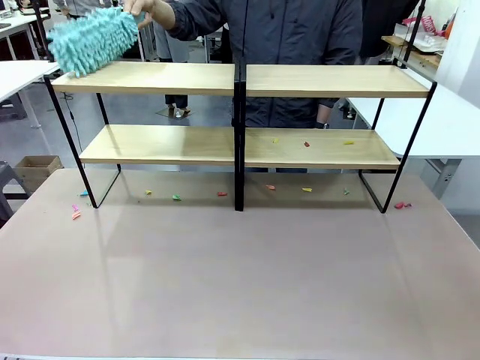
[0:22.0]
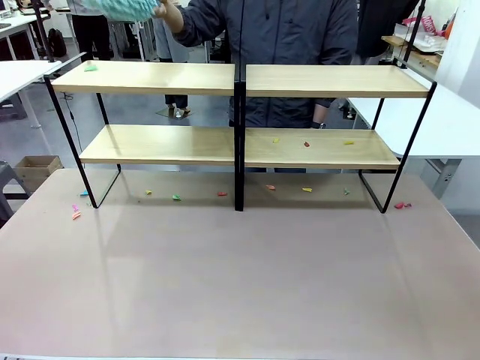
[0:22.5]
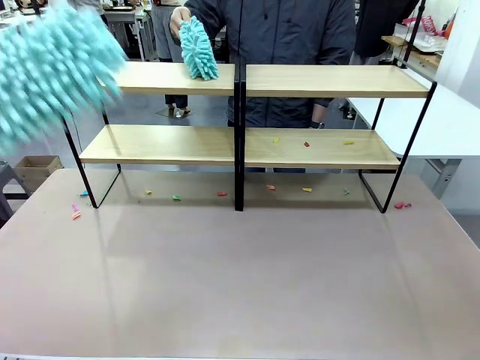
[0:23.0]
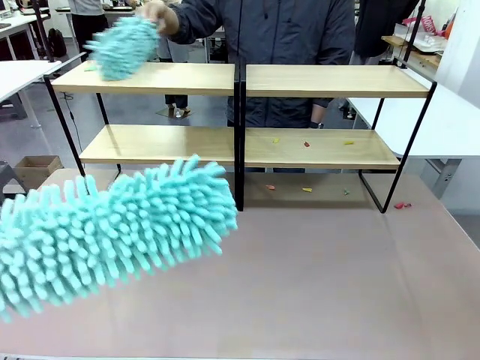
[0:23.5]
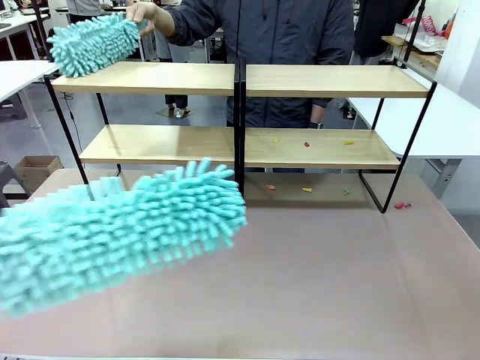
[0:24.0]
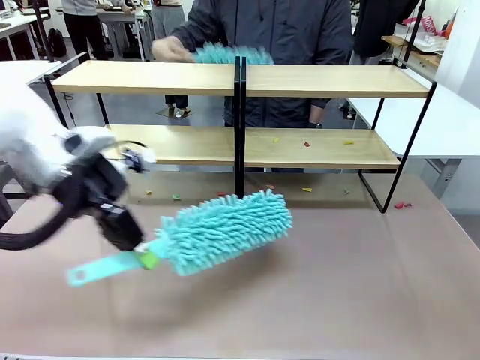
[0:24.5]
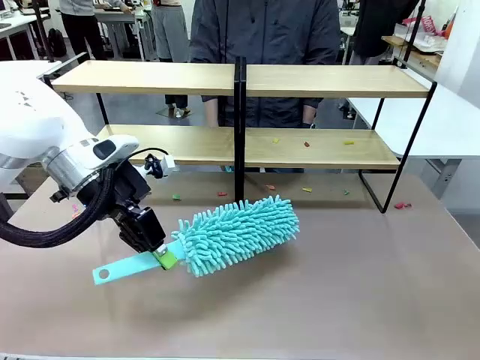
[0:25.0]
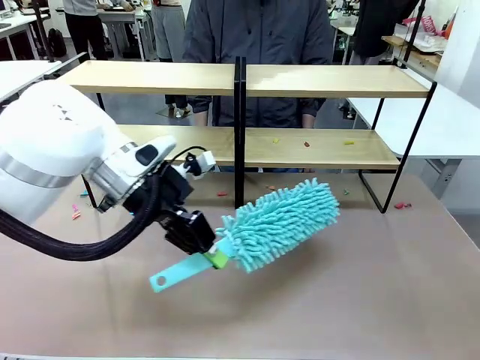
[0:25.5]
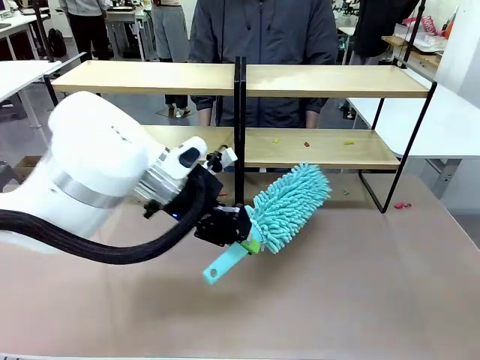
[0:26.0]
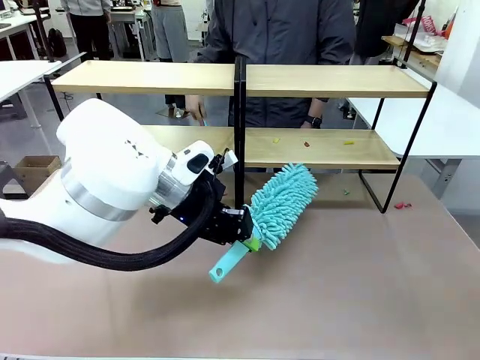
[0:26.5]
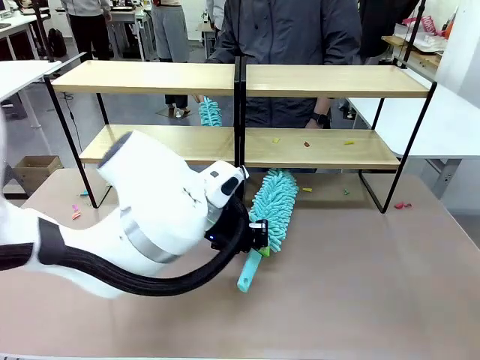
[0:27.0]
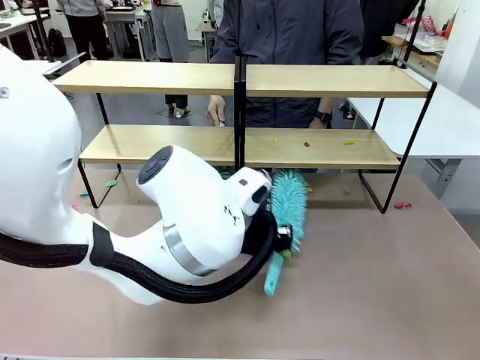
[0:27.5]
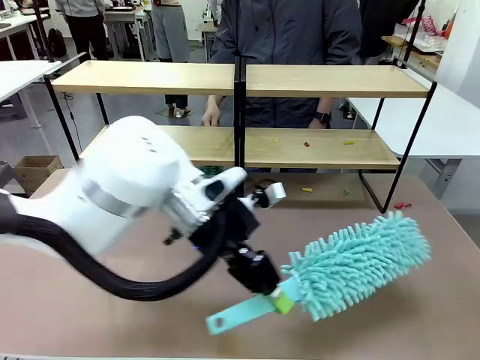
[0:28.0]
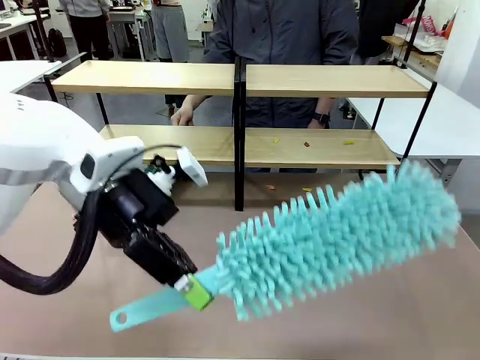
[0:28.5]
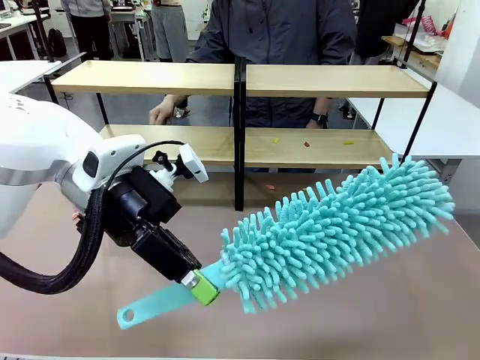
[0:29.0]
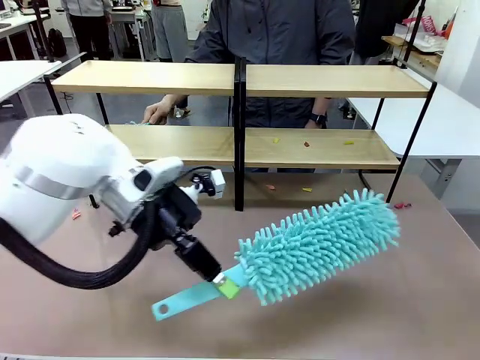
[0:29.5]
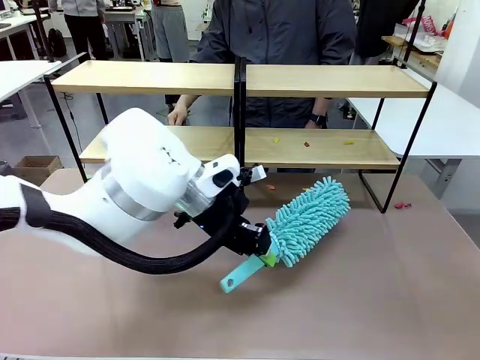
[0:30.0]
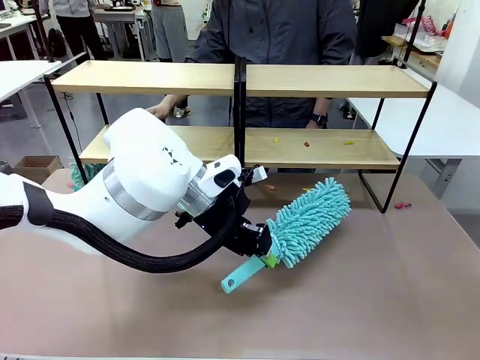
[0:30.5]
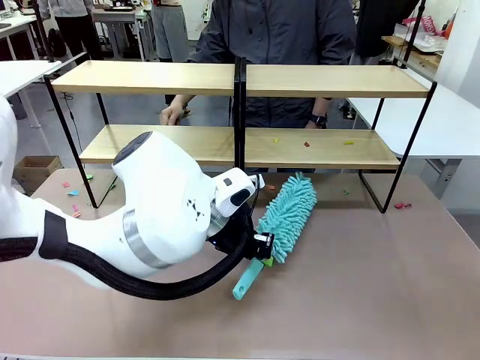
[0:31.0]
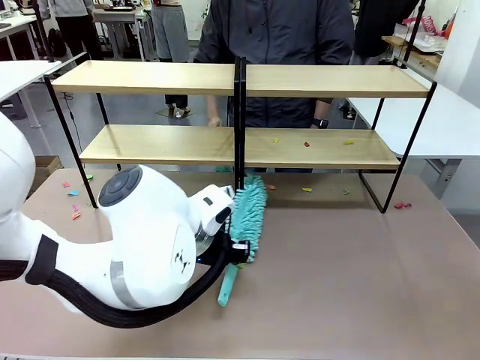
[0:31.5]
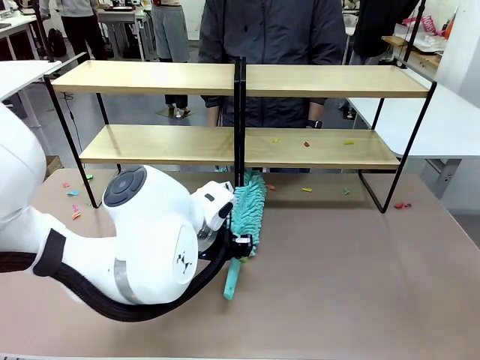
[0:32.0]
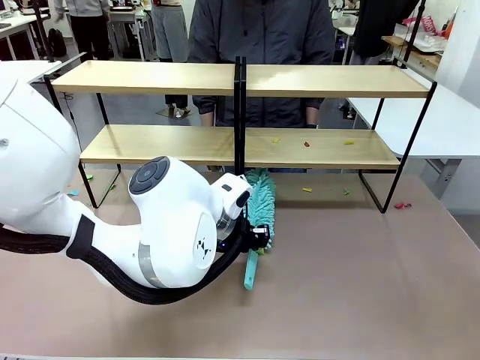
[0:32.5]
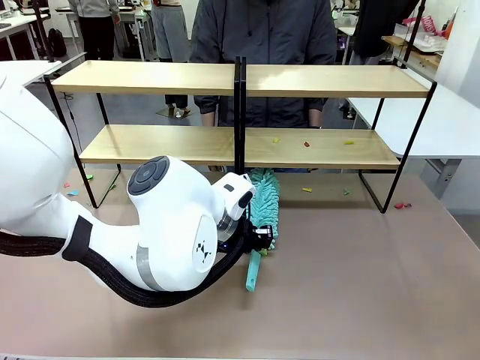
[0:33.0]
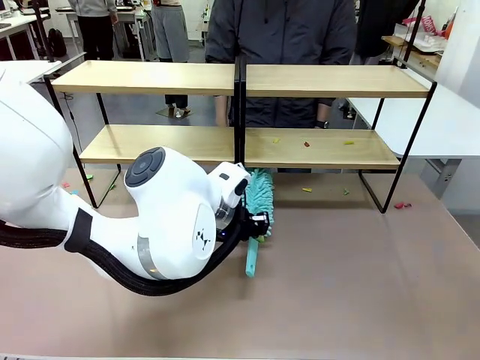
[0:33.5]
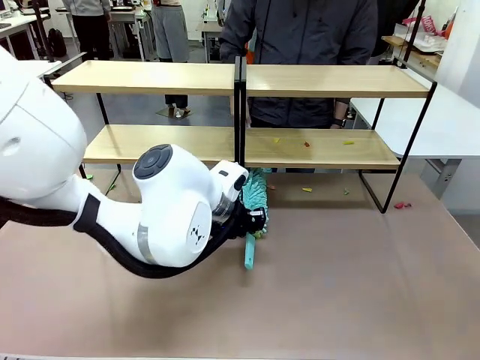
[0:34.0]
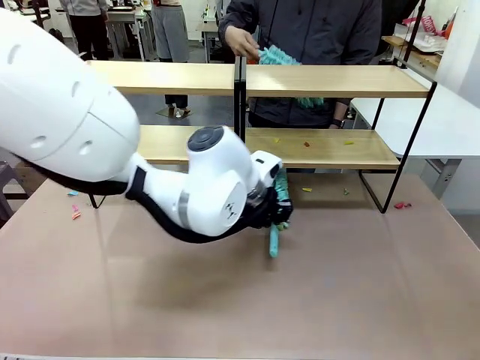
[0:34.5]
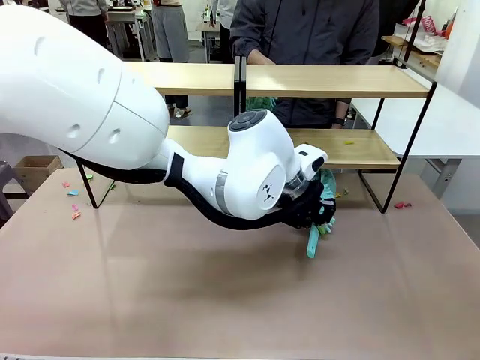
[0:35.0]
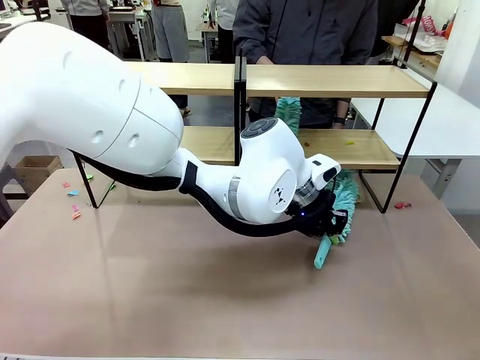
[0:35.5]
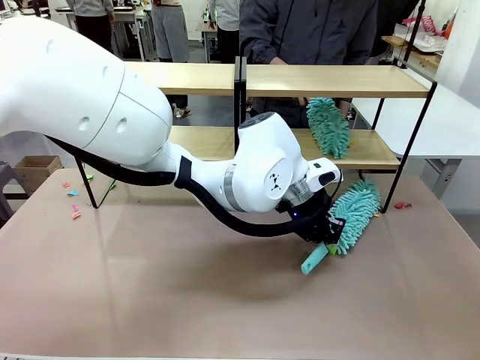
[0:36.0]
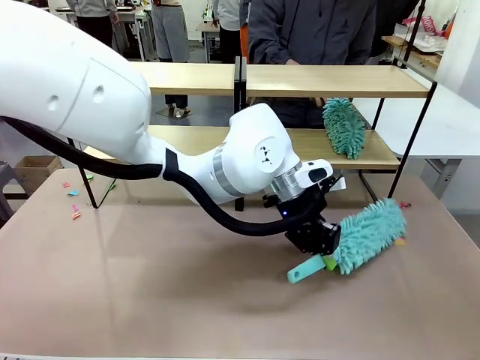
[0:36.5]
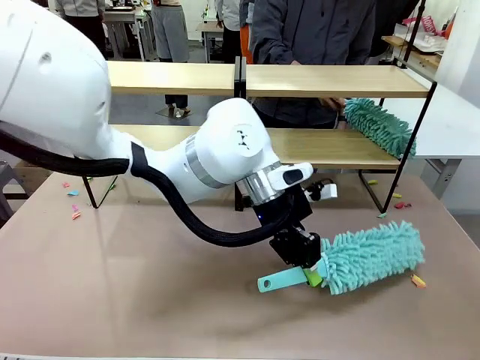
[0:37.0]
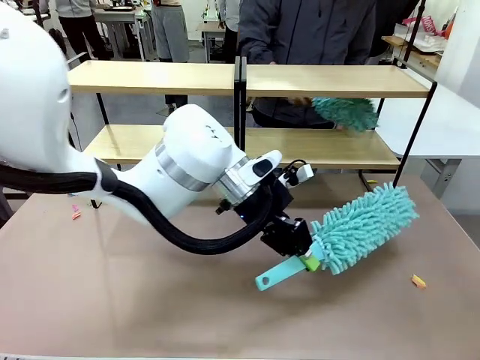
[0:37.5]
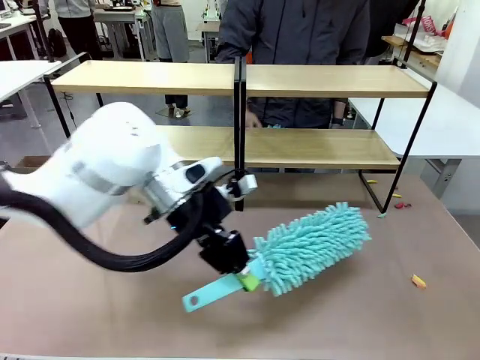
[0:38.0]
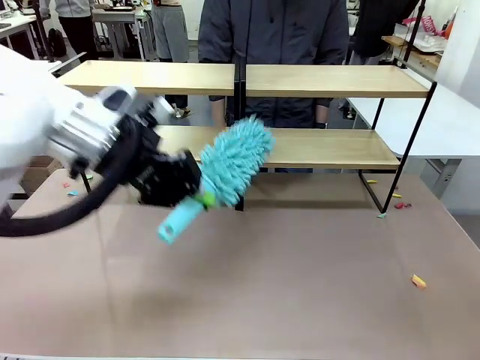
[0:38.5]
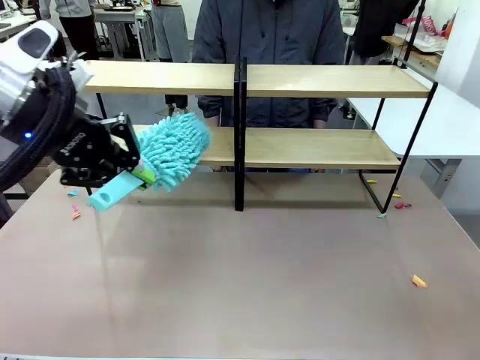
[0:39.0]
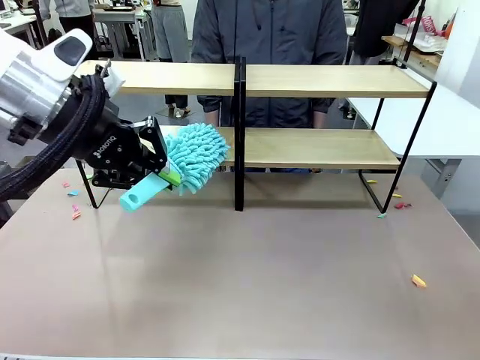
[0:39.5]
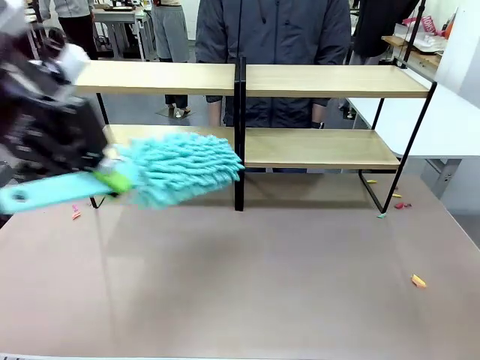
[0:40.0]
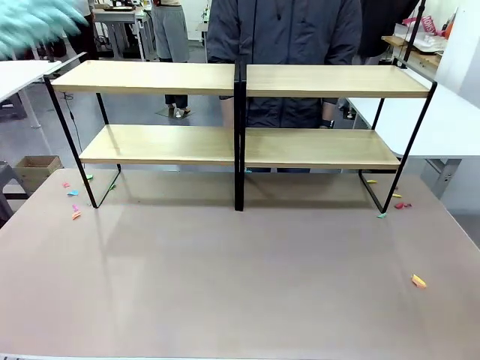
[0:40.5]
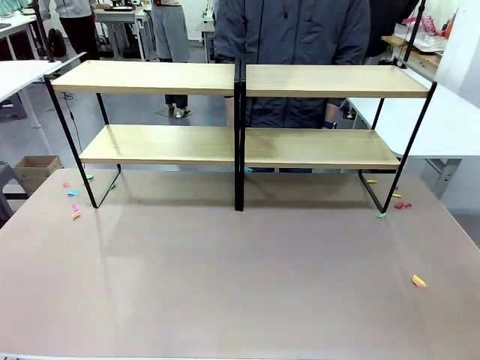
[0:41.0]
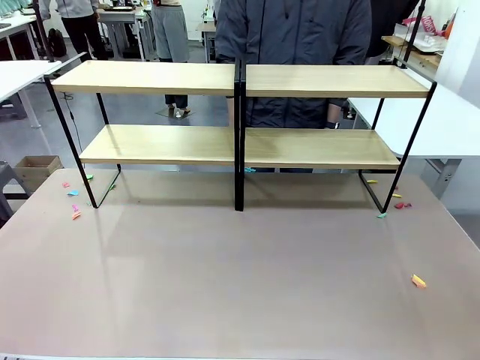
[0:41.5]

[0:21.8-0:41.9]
Task: Clean the shelves.
Robot: Clean another randomly selected level of the Shelf with the Duster.
Person: Clean a randomly selected level of the Shelf with the Duster.

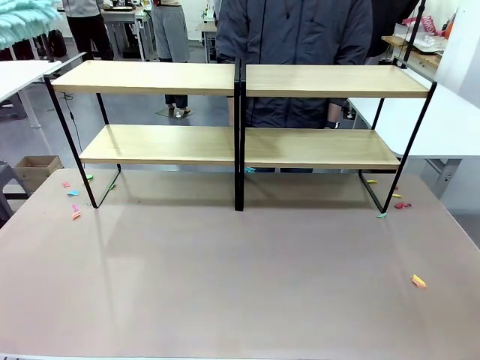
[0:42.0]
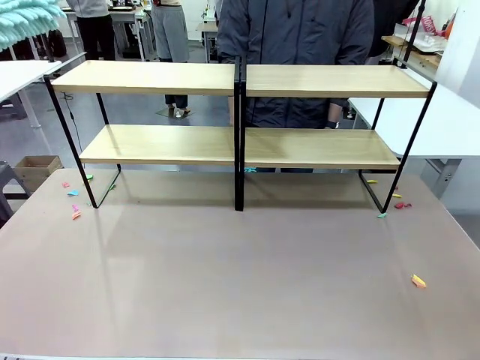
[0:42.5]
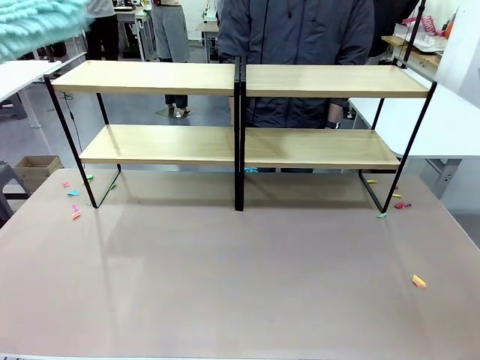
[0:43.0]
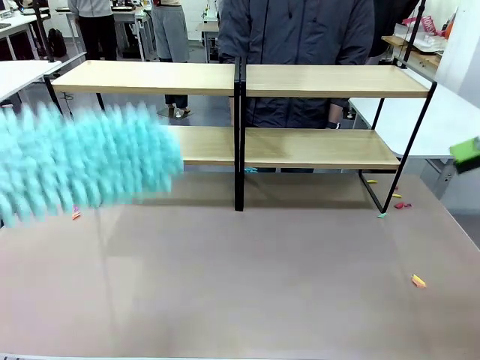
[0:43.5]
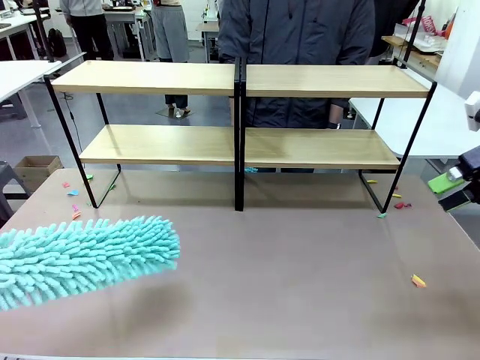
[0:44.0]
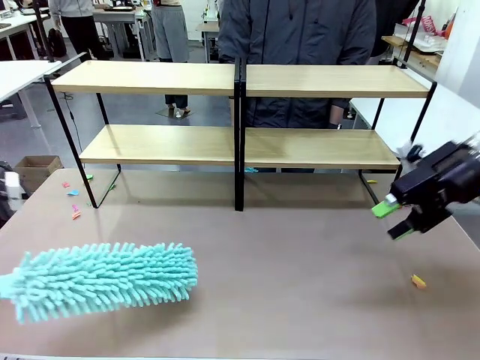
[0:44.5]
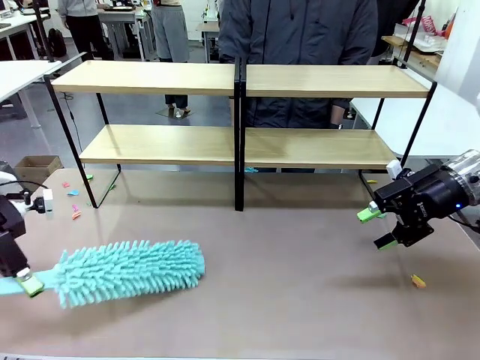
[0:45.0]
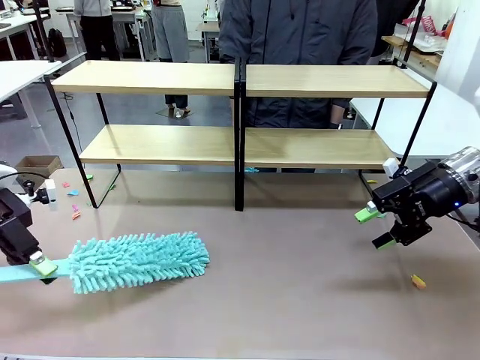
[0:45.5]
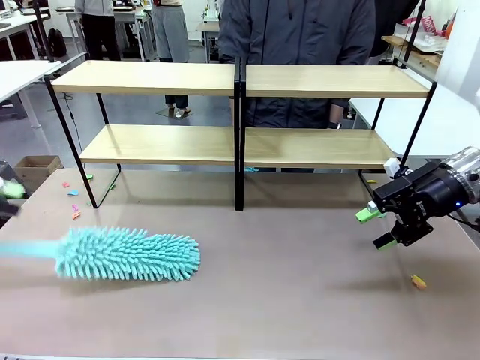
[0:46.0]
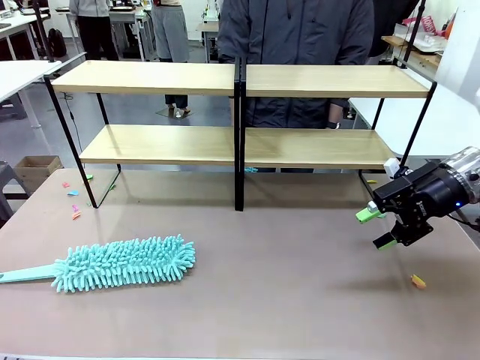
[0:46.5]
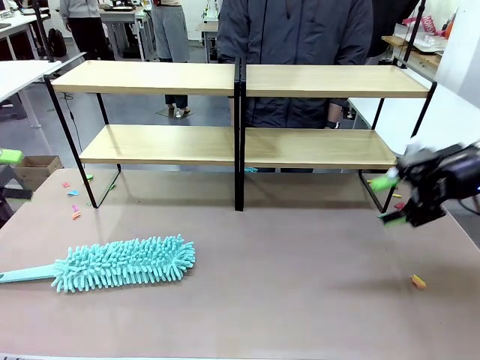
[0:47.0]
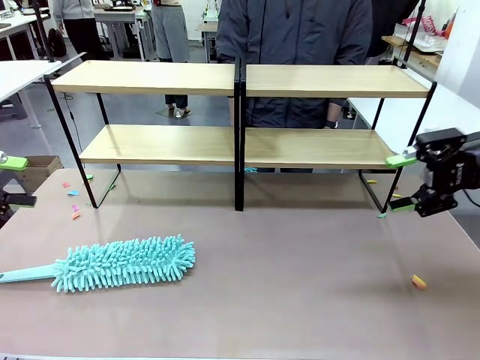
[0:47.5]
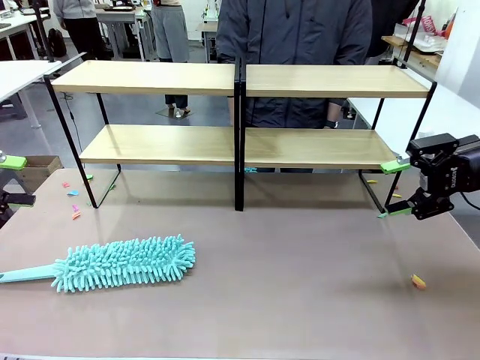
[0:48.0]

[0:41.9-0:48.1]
Robot: Place the Duster on the table.
